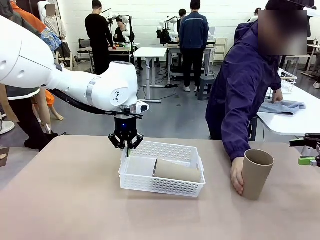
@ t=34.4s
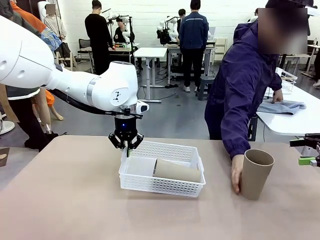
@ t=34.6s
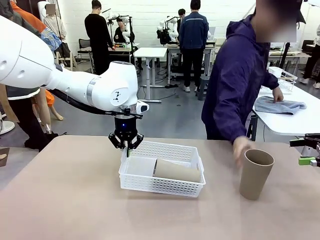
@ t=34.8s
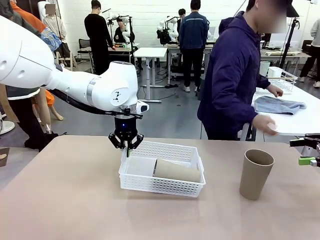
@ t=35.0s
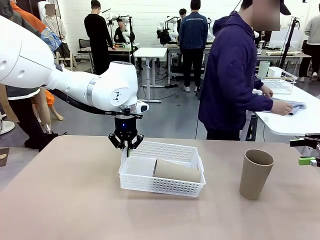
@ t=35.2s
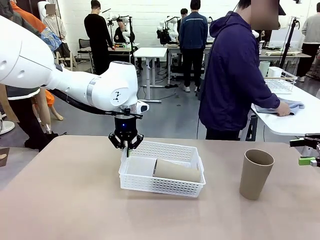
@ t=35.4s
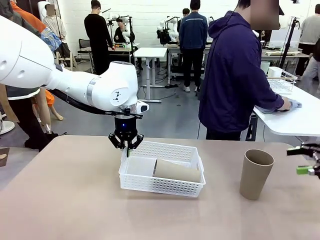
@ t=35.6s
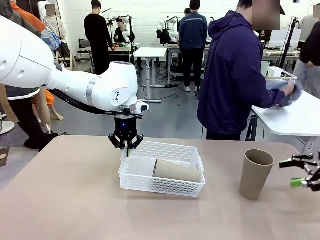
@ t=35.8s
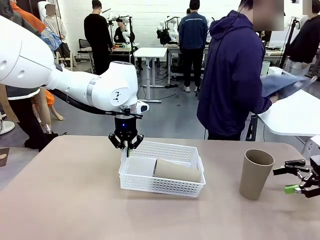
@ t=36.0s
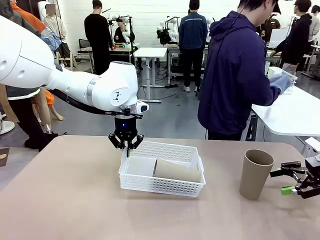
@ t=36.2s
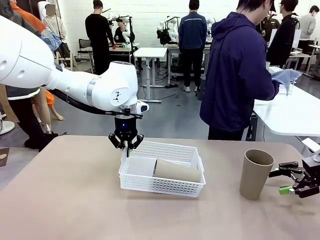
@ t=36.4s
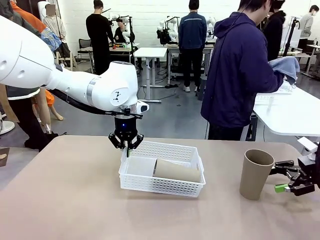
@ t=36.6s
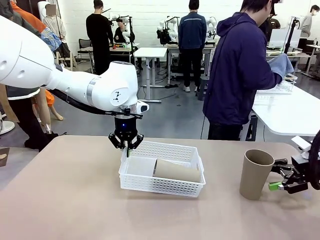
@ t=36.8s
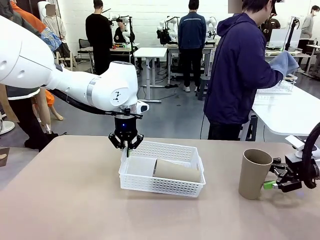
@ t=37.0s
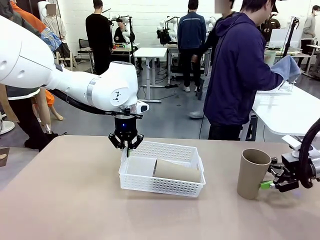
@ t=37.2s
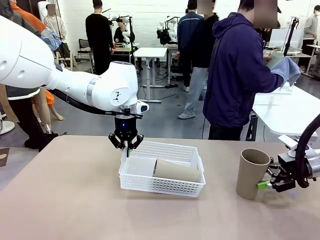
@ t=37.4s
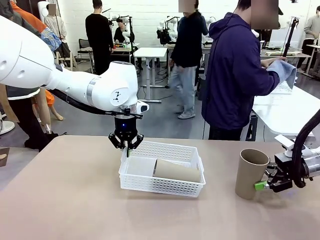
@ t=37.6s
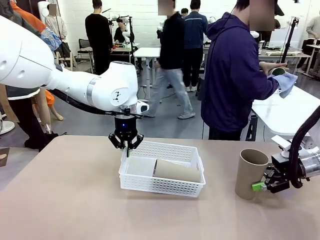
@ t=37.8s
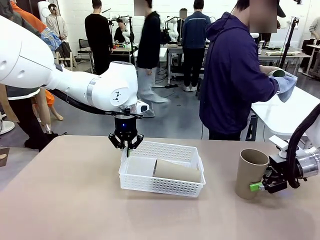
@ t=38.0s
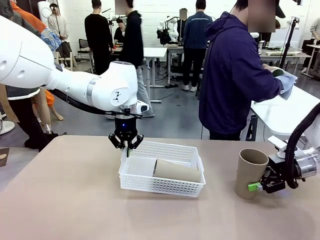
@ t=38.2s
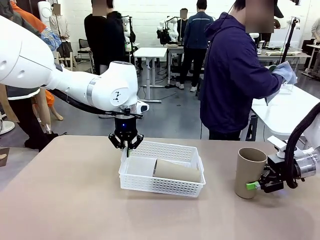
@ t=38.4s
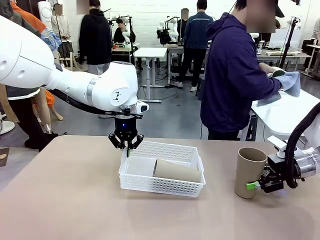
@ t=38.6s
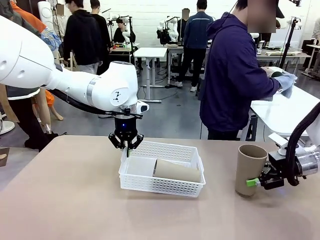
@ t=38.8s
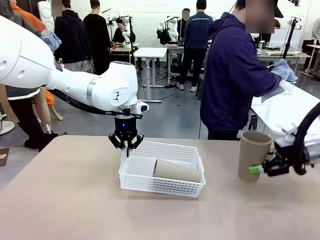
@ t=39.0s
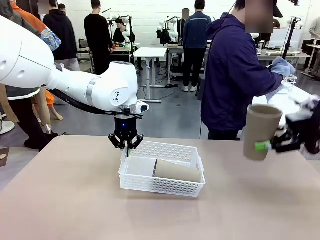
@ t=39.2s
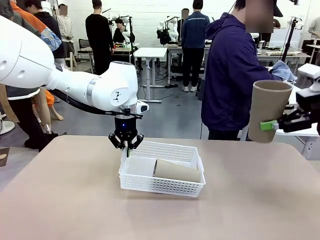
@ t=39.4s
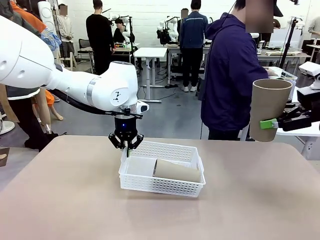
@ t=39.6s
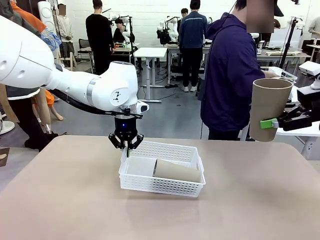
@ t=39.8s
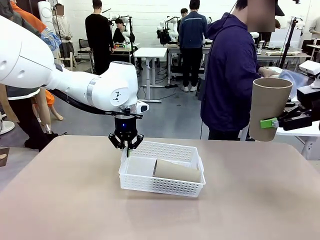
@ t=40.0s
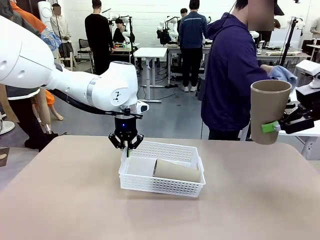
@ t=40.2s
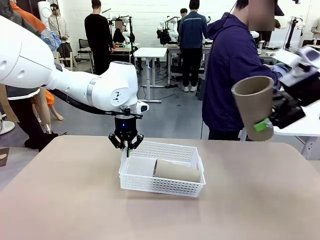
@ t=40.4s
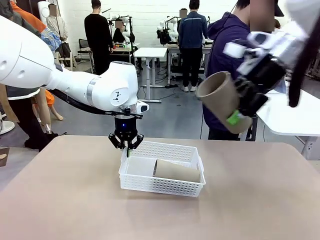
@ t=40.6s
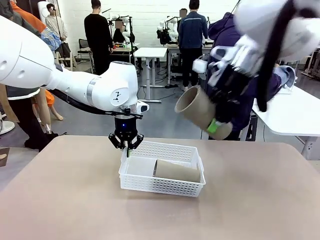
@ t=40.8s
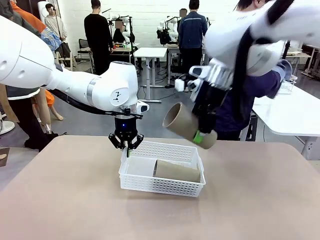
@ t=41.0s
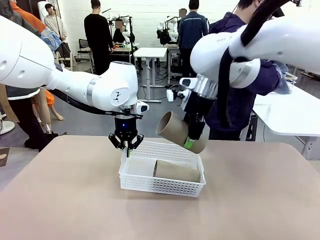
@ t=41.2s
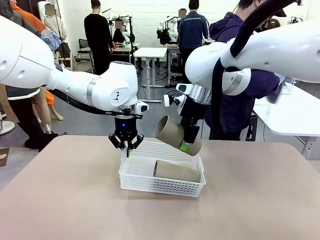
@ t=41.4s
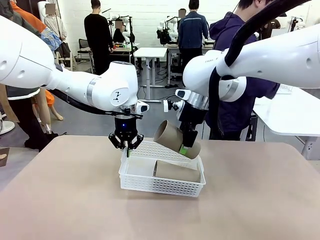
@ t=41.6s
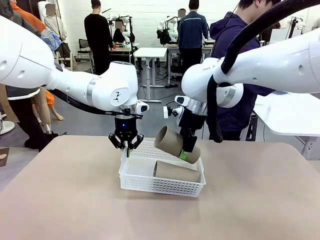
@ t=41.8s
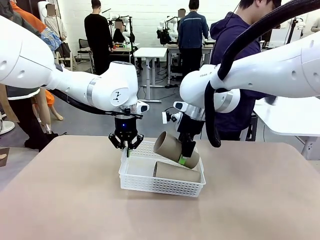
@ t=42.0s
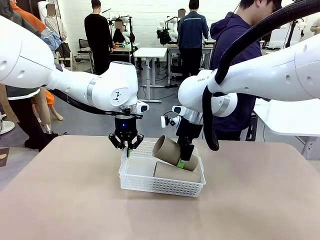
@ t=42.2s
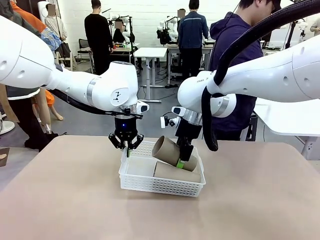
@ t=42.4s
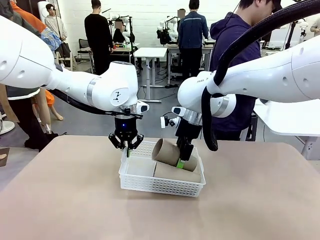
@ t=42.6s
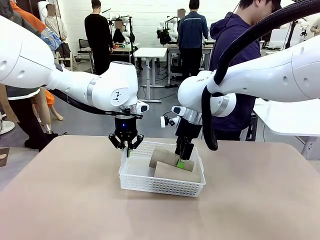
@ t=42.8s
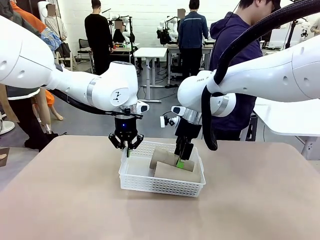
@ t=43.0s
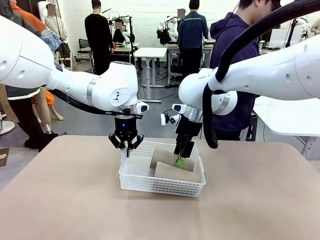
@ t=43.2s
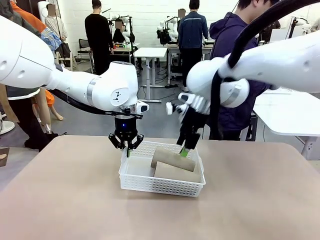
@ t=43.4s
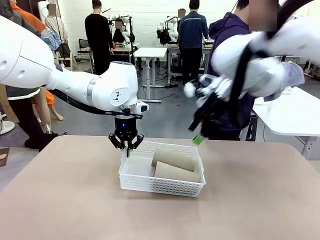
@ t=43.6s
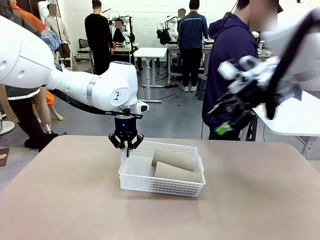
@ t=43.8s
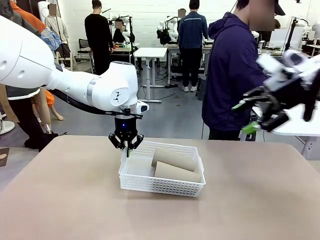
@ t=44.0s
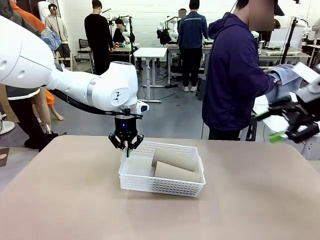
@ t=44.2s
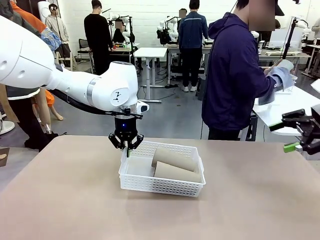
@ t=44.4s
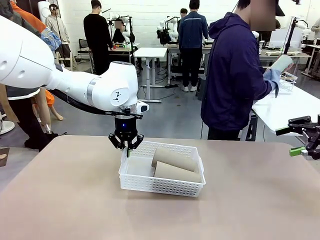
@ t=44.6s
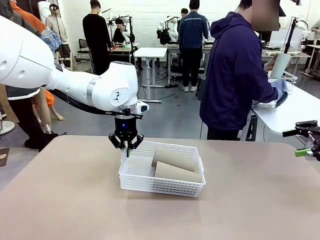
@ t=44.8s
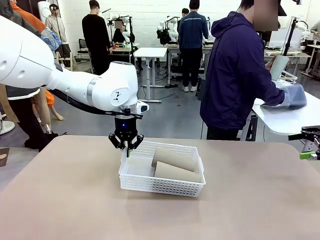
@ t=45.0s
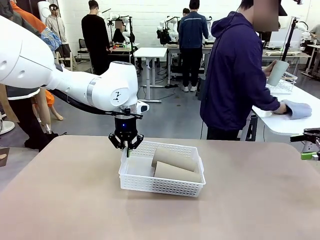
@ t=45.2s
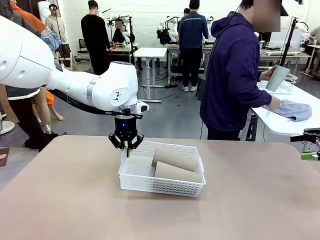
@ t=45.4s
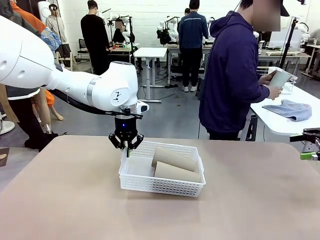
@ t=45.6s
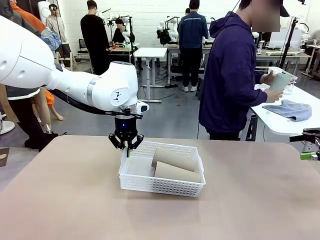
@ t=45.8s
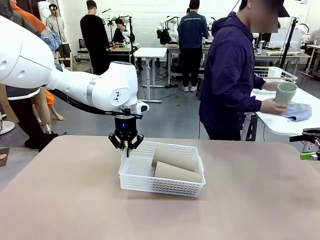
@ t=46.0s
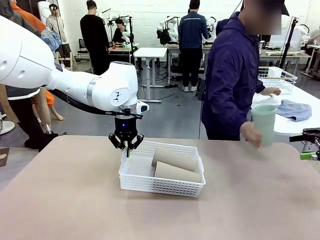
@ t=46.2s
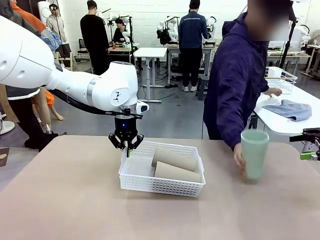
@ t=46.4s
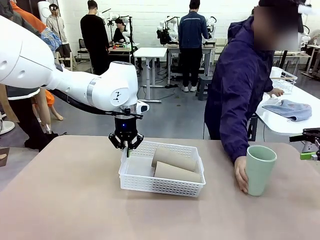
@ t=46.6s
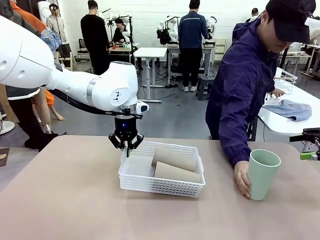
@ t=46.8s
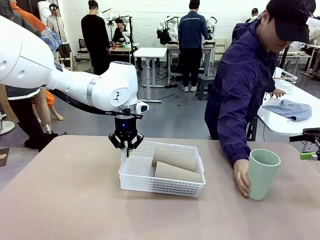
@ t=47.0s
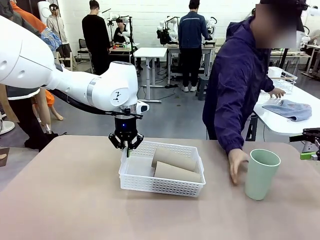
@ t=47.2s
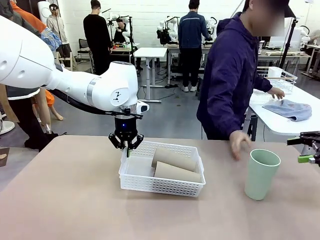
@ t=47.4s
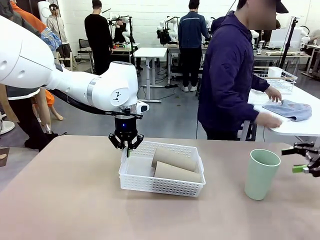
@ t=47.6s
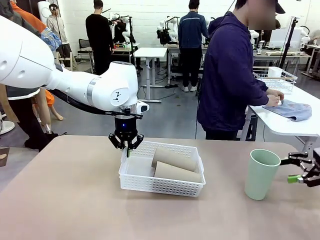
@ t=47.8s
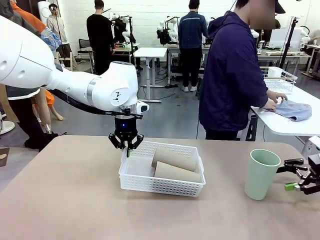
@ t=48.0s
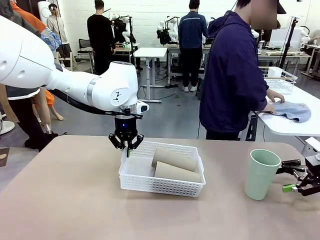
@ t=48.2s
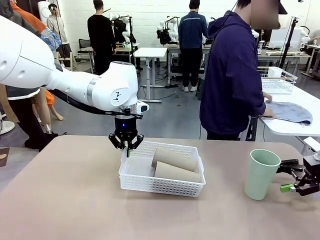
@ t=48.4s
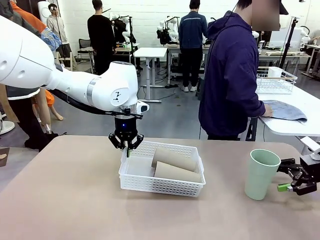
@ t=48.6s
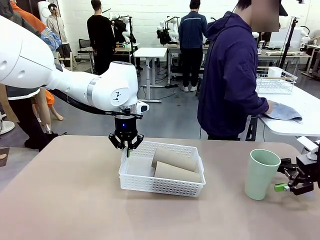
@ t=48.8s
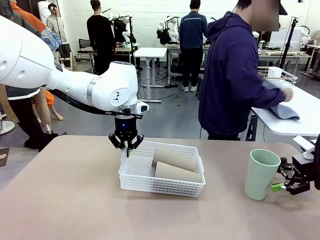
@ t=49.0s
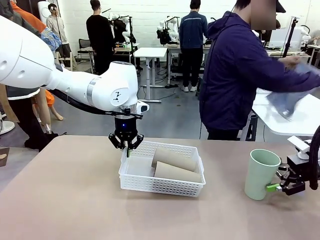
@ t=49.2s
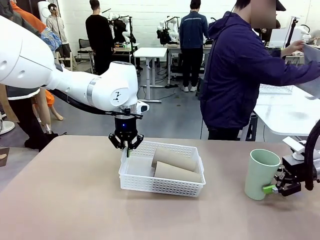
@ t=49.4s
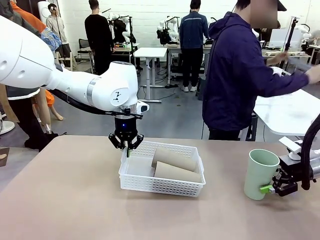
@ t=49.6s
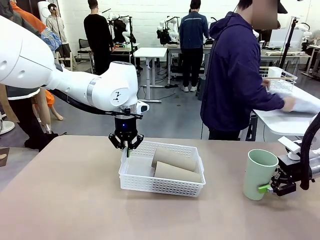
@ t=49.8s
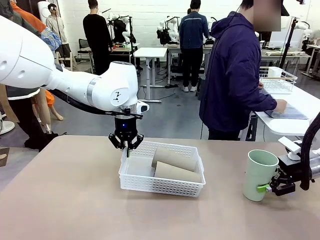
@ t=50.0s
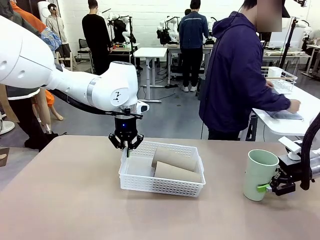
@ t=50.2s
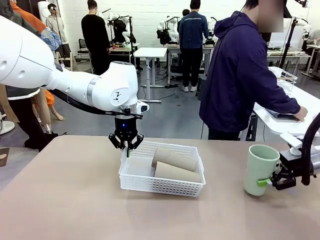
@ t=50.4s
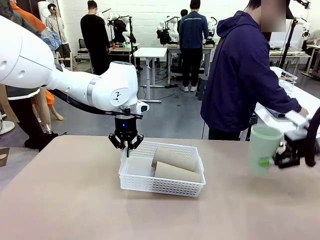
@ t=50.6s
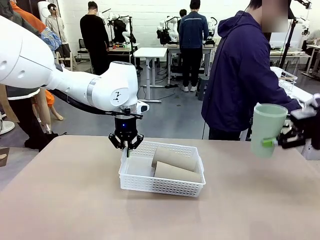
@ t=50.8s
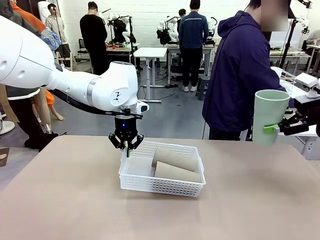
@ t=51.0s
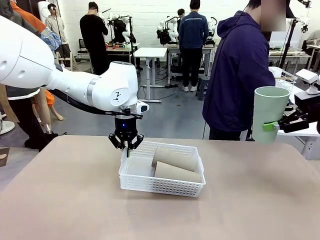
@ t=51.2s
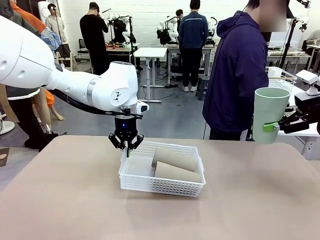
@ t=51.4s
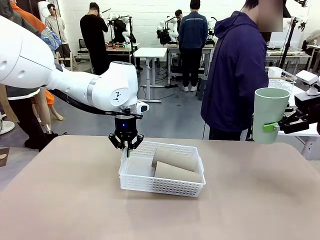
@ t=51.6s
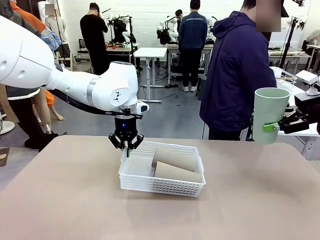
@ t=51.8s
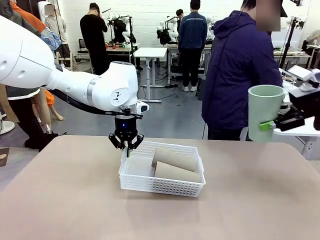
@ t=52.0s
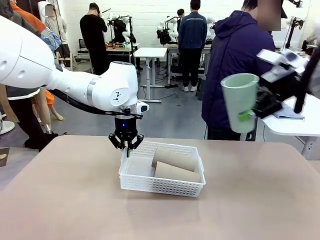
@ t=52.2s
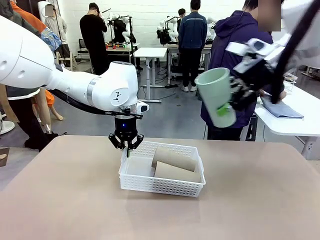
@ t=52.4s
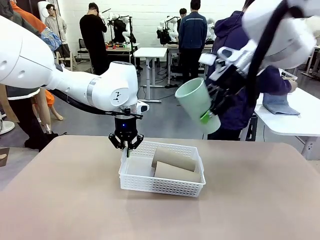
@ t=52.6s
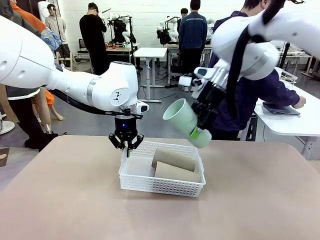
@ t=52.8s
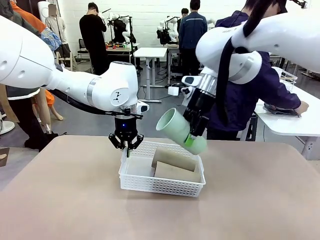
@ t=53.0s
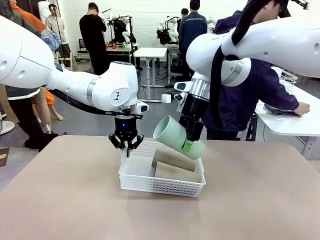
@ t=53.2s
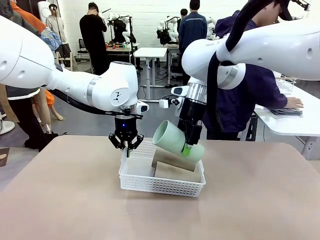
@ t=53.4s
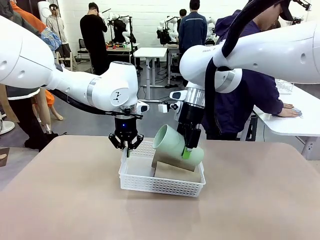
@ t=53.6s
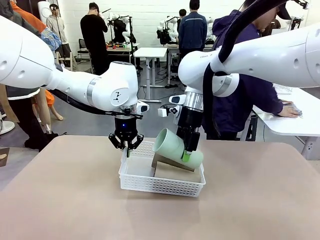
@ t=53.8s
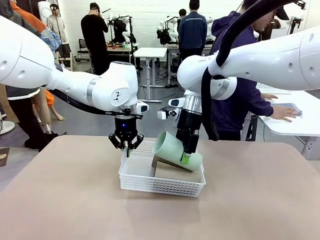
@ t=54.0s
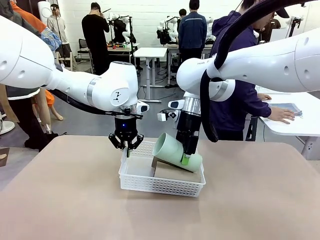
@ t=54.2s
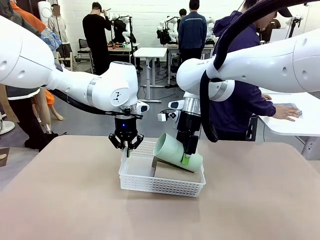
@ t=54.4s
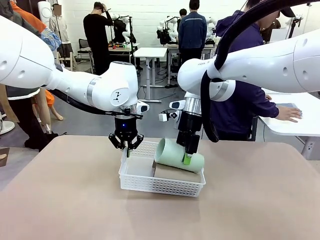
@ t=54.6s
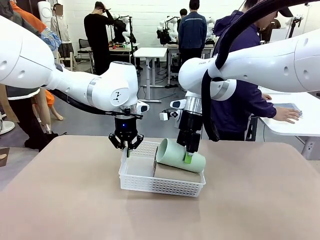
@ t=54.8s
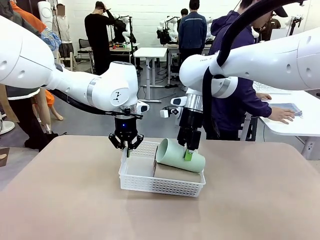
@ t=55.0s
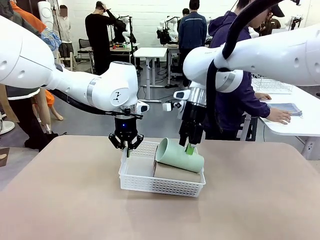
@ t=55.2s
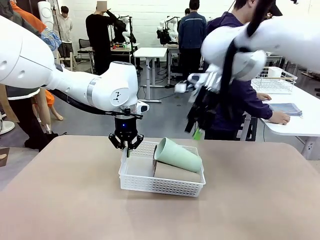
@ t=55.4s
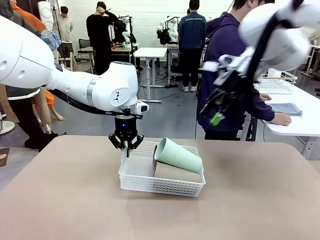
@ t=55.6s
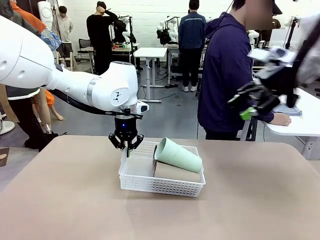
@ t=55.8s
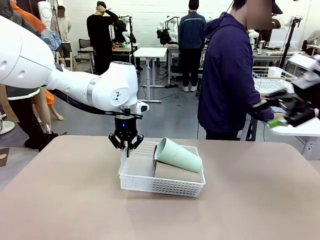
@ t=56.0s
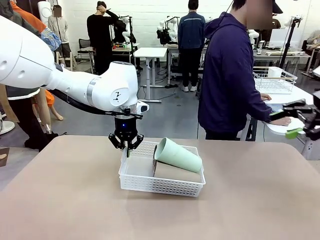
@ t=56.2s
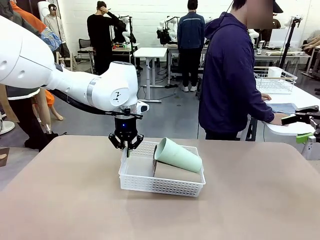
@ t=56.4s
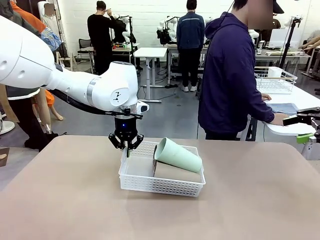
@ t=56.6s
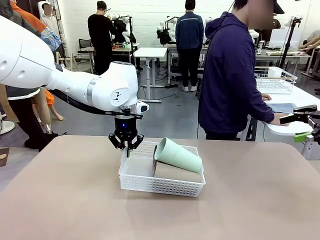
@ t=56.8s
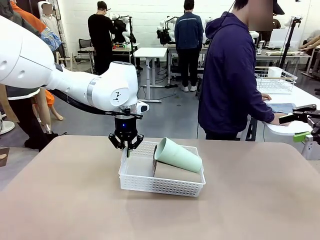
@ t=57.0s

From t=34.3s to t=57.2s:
Task: Clean and organize the cups into the basket.
Robot: Pick up the Reusable plastic cup from the right side of the table and stack it inside the Organizing basket in the center of the table.
